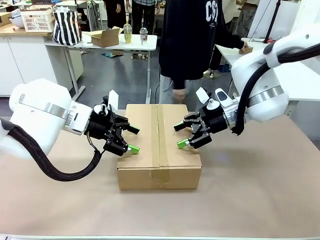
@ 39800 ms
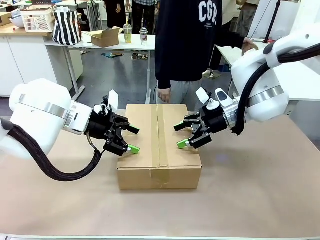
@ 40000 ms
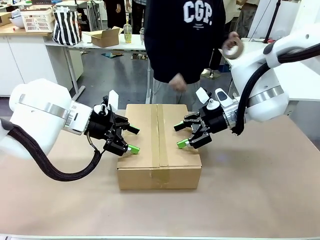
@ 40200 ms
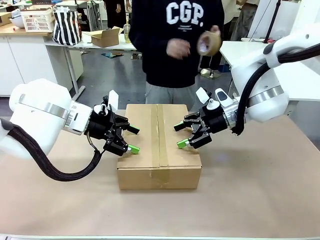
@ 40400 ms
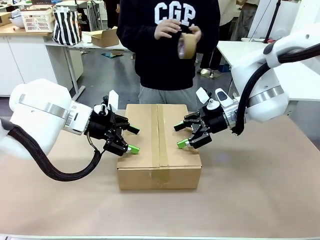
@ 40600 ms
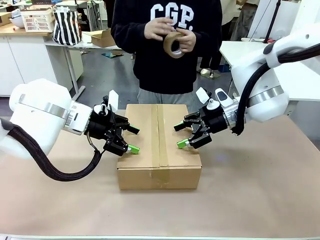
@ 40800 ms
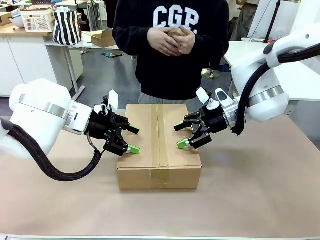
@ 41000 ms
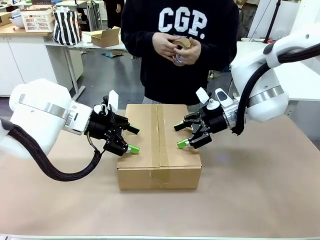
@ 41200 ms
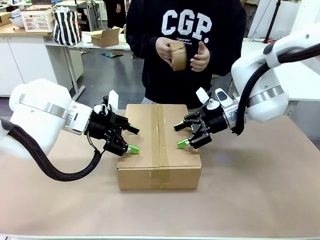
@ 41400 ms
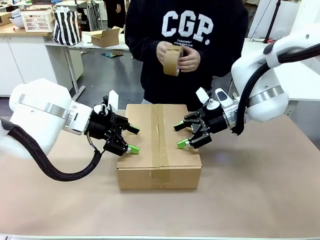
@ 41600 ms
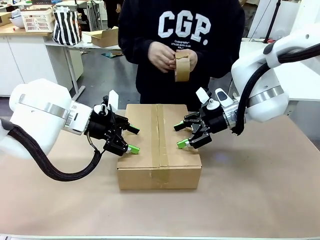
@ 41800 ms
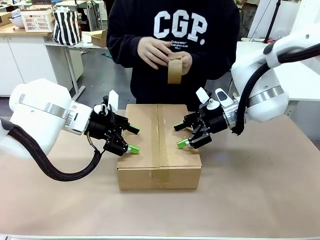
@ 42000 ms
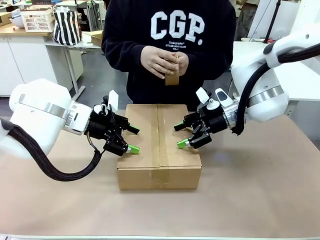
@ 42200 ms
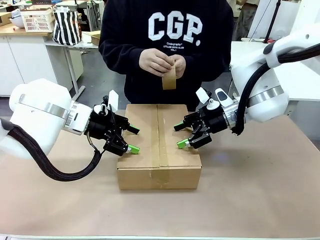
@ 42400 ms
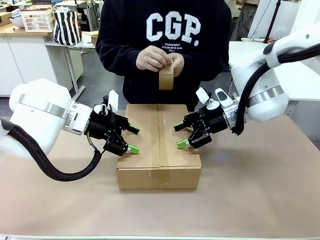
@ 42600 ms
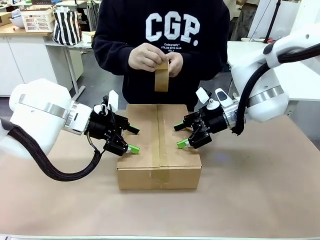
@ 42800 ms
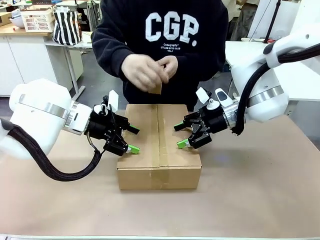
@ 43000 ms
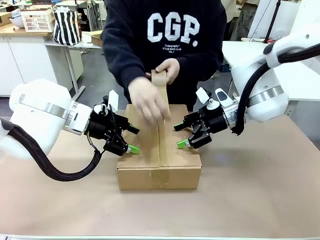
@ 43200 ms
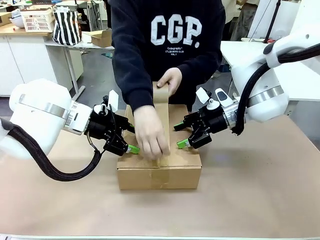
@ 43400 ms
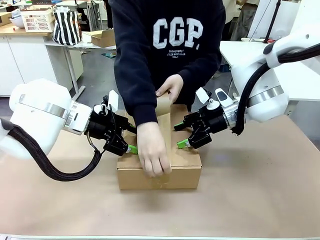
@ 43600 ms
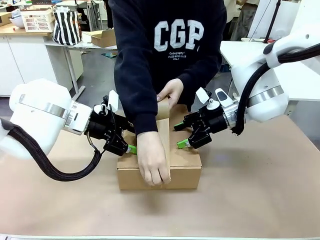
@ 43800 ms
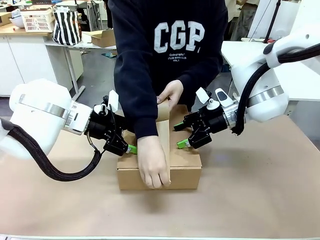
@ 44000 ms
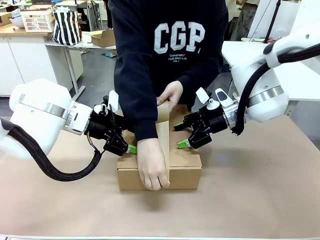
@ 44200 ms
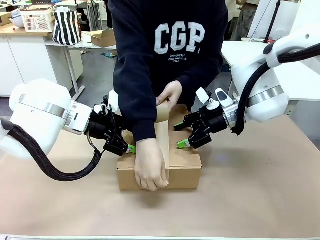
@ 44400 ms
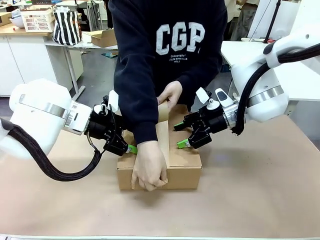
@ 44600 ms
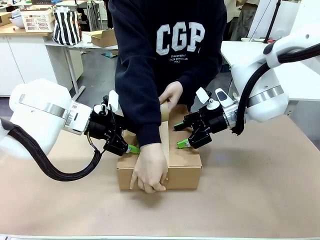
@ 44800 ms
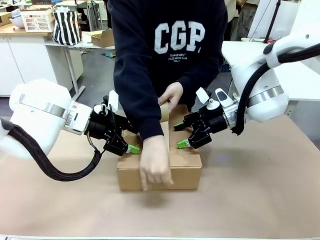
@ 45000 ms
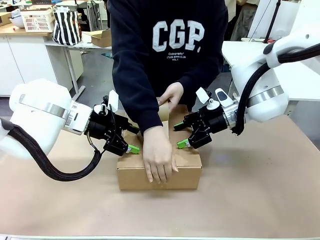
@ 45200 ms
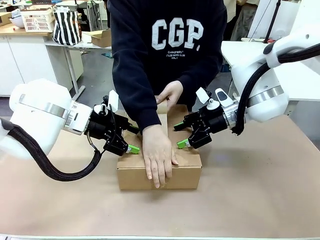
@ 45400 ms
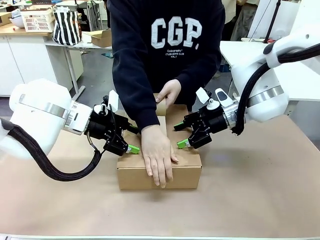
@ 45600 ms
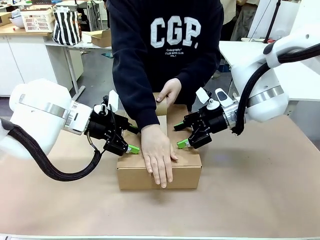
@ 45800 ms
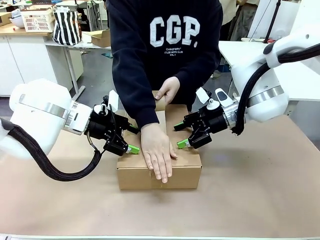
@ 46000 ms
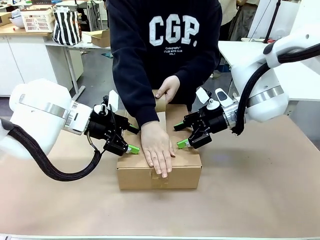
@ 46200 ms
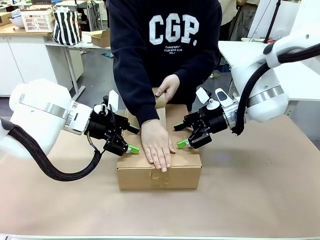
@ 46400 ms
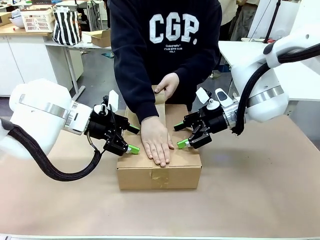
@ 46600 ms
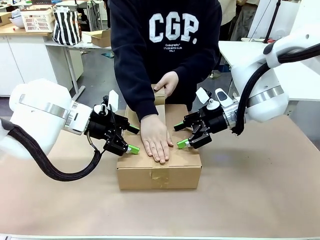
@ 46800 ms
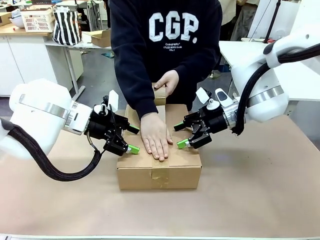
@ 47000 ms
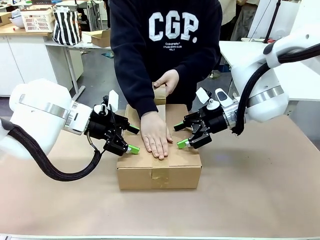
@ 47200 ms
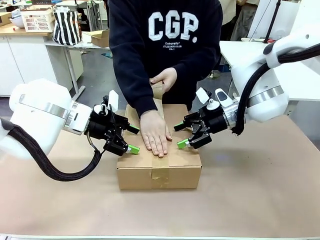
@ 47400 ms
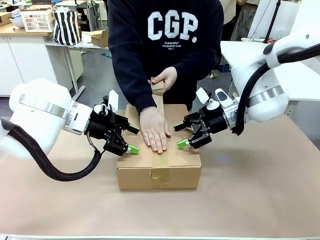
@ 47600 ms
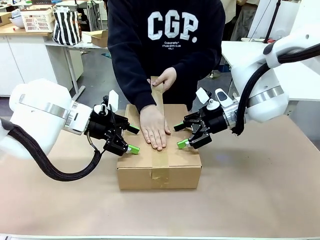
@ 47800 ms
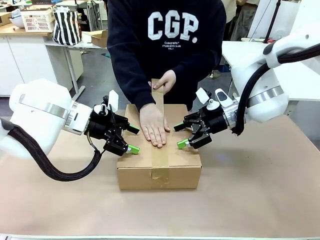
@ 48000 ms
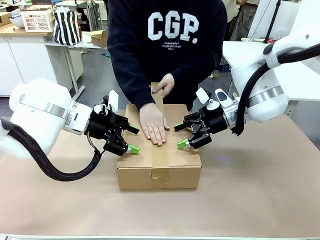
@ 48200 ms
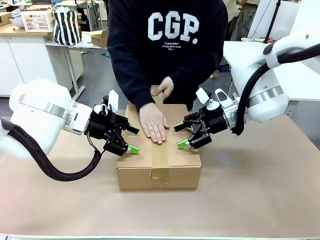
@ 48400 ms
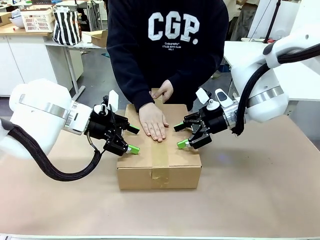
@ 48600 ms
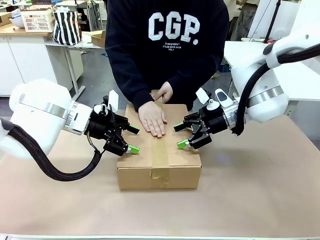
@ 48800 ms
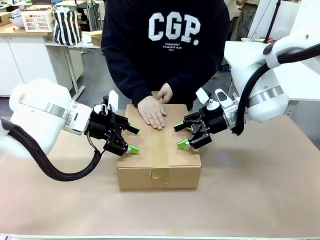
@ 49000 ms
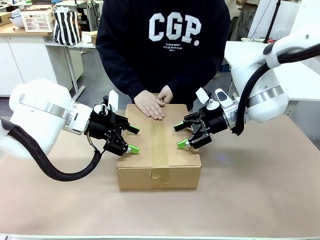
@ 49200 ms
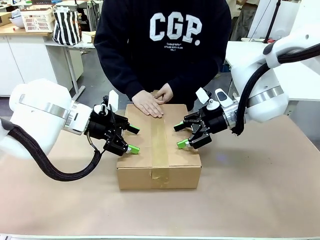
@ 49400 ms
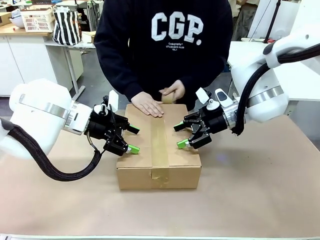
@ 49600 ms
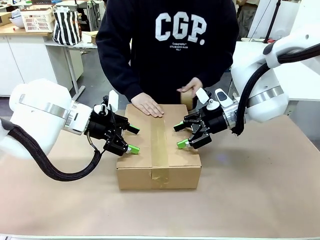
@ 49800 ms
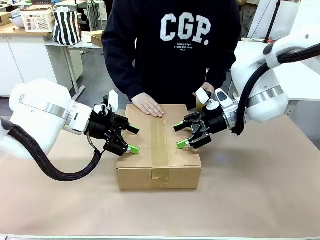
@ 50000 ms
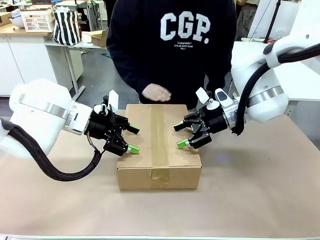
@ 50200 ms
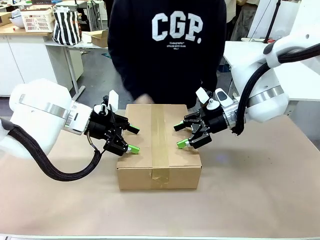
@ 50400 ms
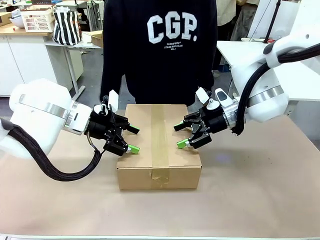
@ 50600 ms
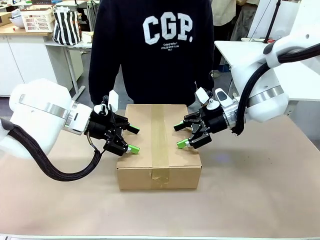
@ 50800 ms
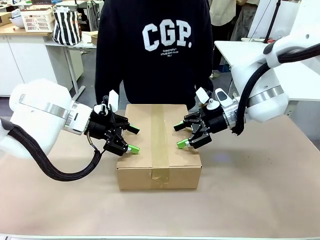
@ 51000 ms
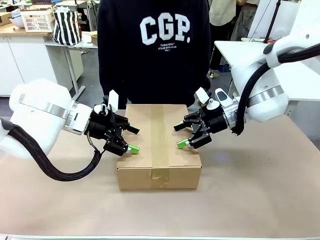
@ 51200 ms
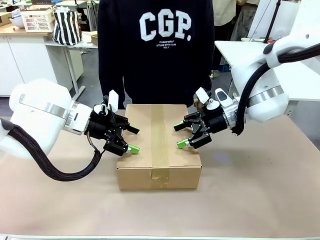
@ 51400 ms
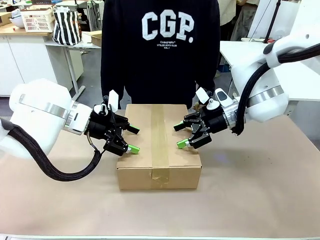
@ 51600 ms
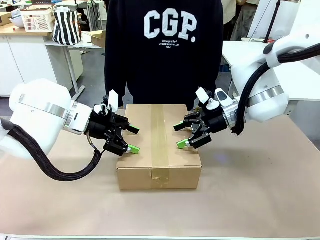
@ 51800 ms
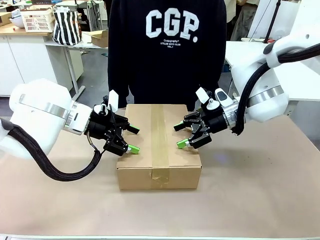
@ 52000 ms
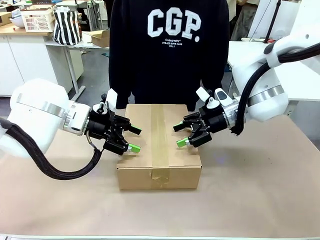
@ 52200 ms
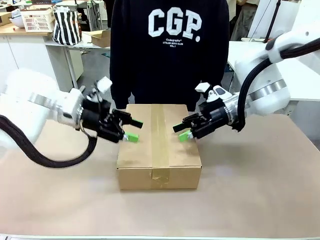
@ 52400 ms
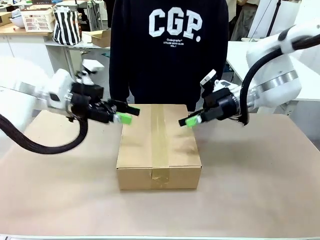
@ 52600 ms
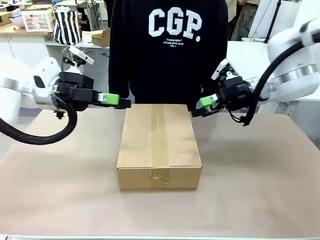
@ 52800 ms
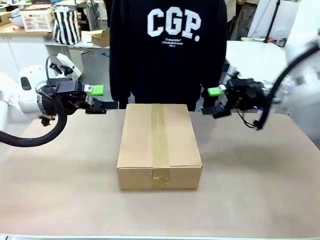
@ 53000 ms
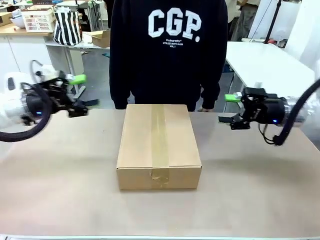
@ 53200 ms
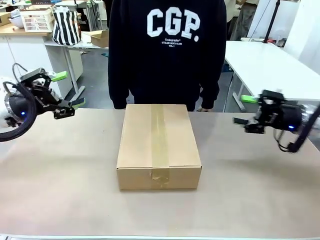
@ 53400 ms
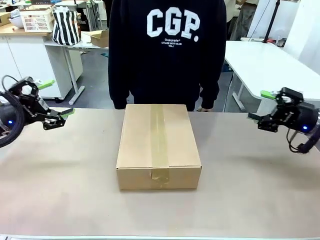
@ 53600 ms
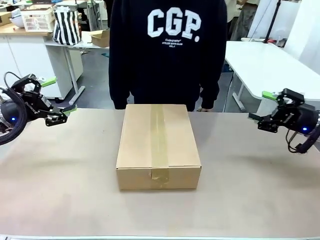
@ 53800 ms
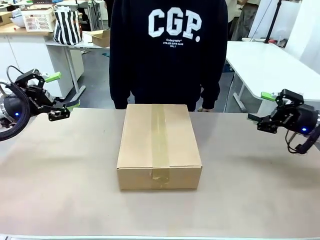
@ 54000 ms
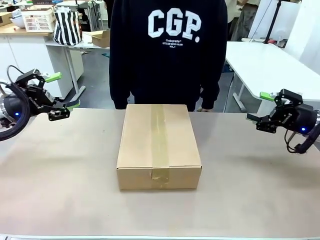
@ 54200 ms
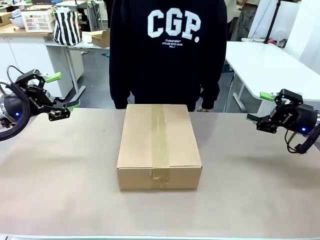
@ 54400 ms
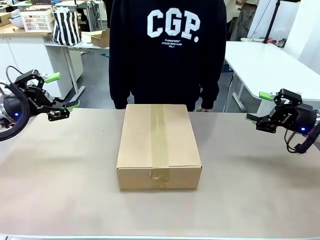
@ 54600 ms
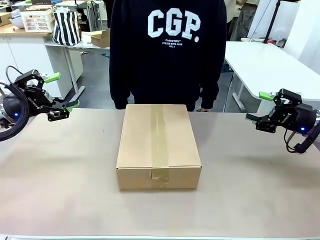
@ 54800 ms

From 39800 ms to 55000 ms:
Task: Pack the gift set into the box.
Robot: Press and hold the closed box until the human finishes sealing it.
Person: The human picks up the paper tape from the human table and packs the box.
